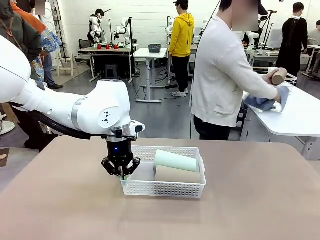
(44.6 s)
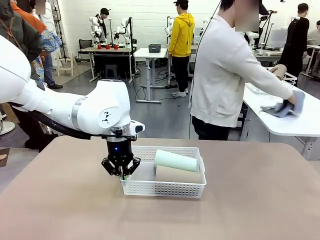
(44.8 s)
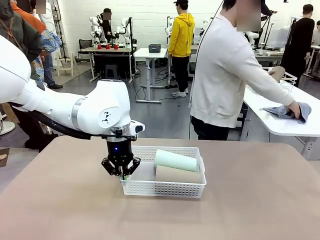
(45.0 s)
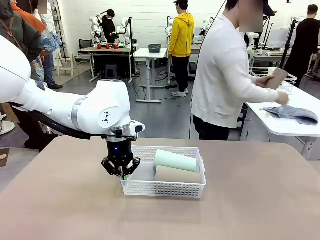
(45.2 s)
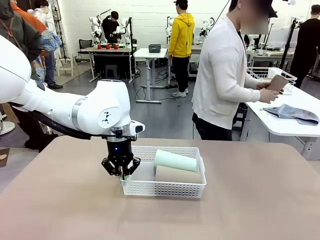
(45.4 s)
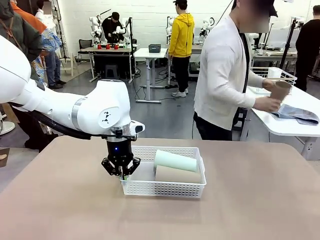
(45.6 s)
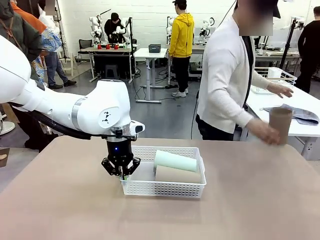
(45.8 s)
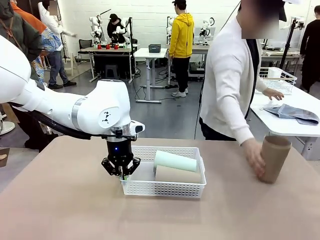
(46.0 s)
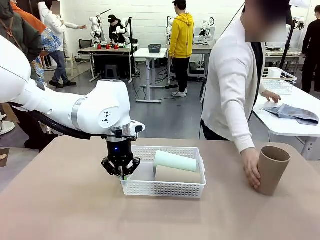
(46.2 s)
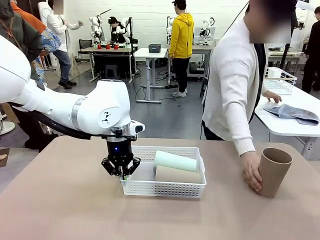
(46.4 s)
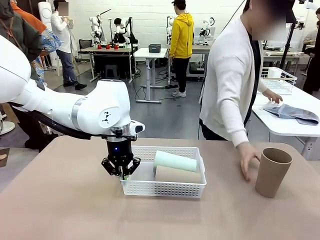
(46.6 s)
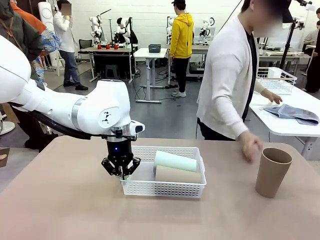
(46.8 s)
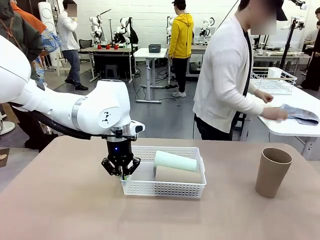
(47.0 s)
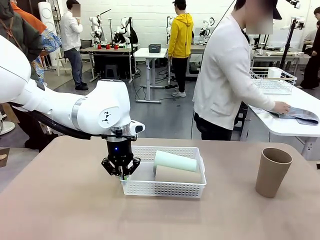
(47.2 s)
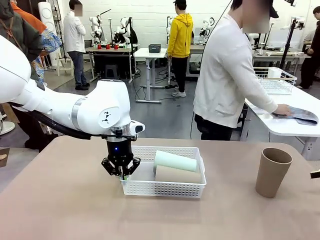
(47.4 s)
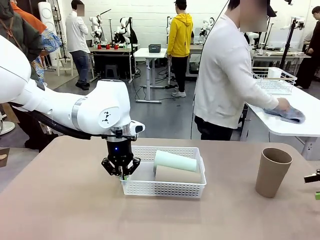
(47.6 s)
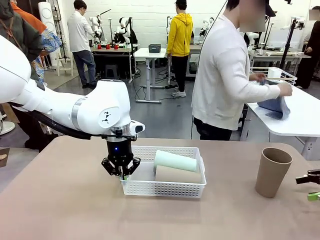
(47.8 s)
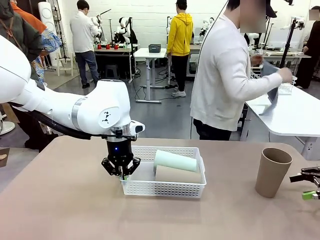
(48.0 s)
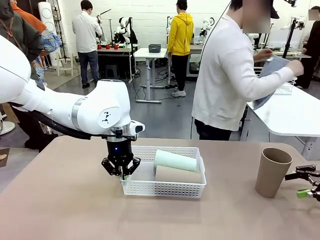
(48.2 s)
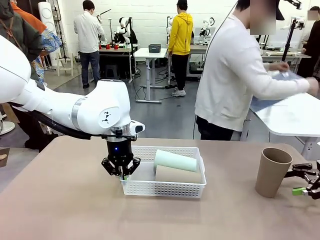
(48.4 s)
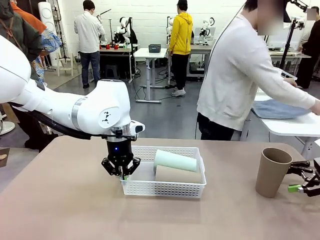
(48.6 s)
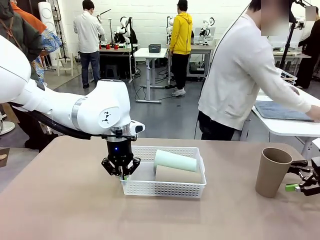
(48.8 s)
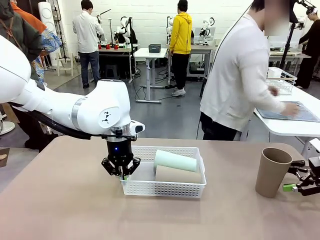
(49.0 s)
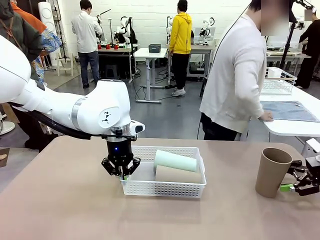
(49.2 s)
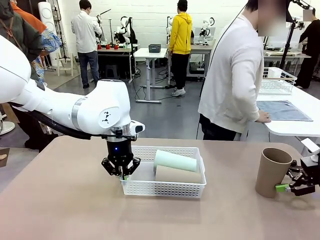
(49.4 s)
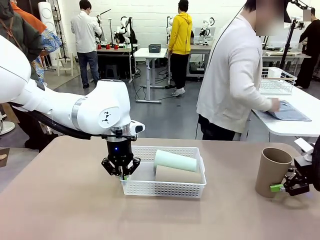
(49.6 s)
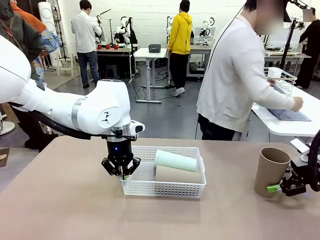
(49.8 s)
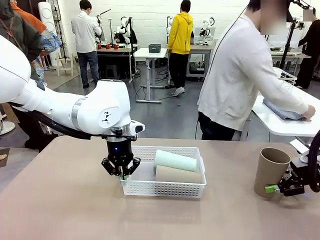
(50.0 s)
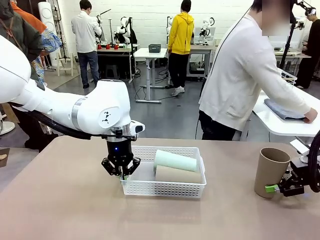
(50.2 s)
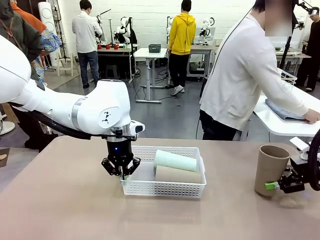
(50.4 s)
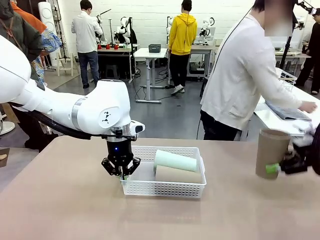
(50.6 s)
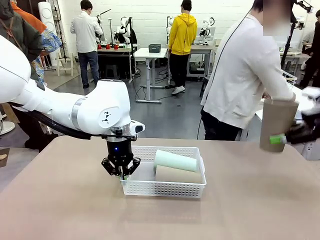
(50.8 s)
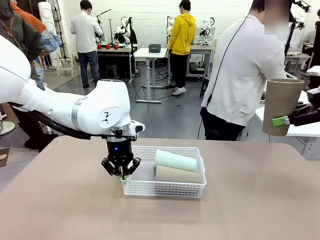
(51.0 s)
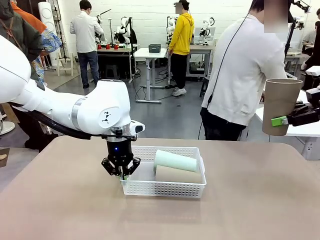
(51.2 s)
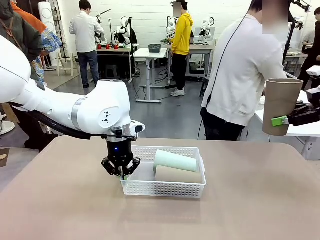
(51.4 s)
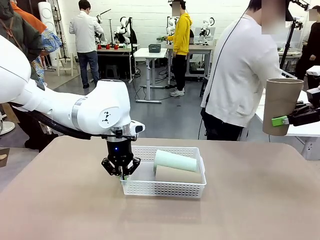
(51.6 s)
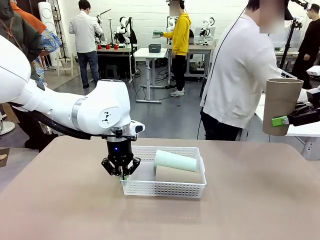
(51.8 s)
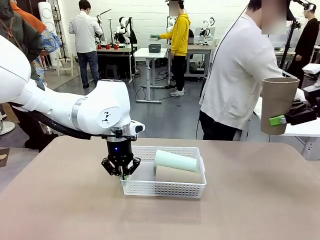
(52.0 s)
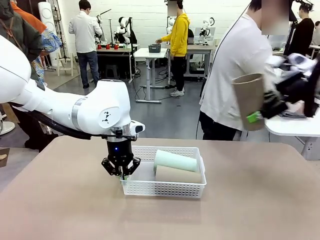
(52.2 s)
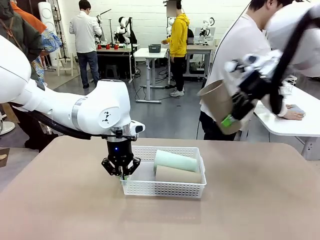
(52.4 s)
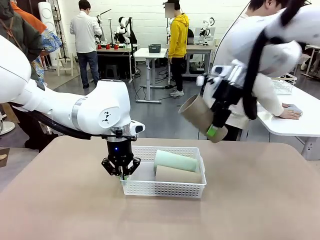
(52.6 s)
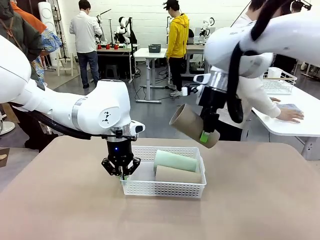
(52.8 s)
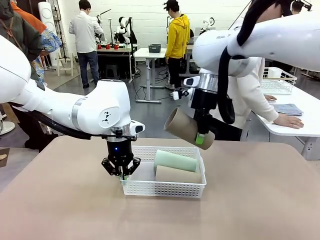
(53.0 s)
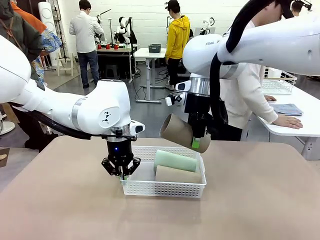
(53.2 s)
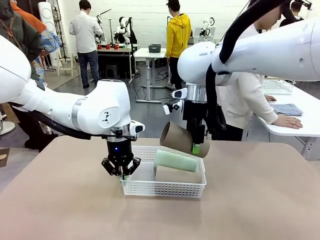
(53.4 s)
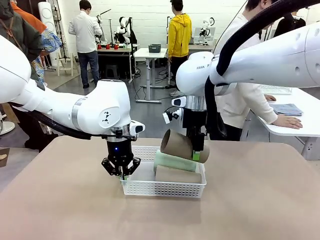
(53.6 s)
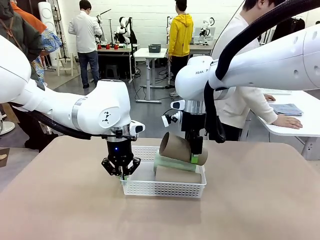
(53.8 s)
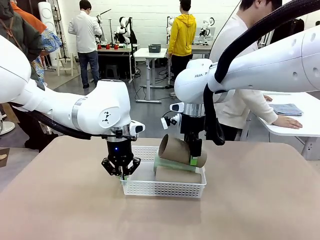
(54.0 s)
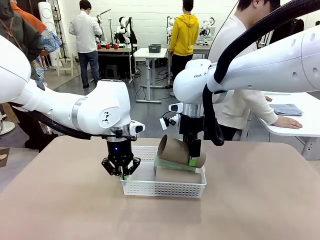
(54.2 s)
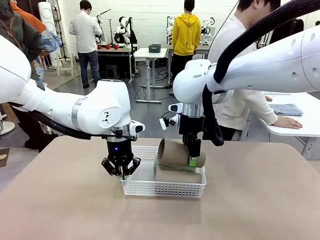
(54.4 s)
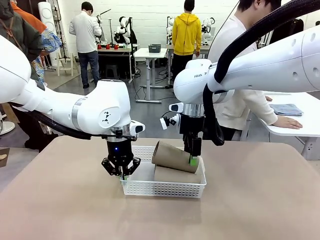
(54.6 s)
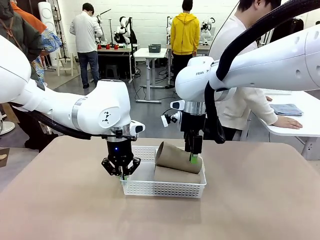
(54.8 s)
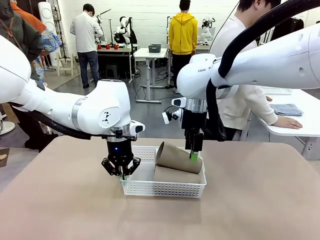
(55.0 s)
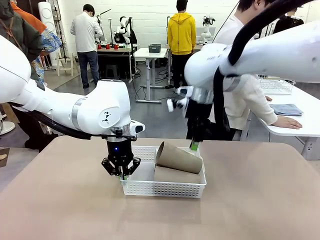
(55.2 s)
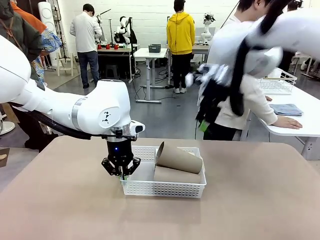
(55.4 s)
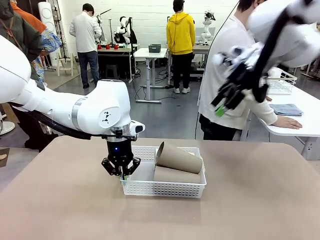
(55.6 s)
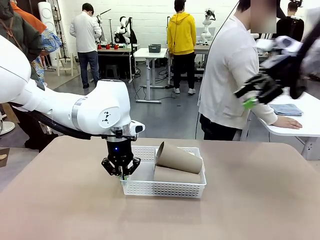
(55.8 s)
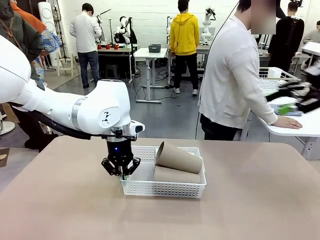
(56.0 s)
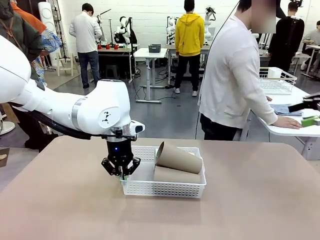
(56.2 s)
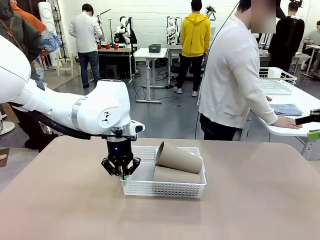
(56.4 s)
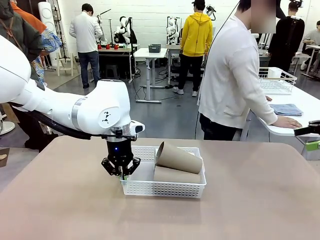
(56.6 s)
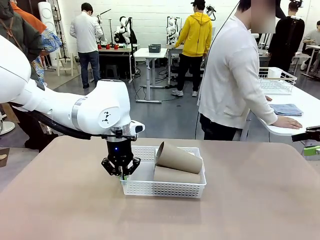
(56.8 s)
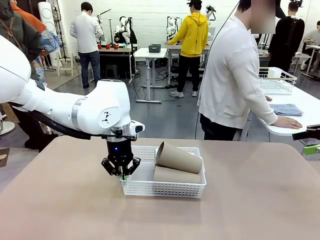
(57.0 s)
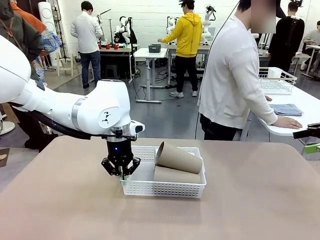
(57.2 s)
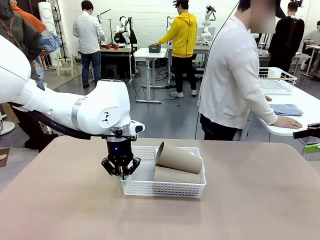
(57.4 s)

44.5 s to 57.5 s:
Task: Clean and organize the cups into the basket.
Robot: Pick up the Reusable plastic cup from the right side of the table and stack it inside the Organizing basket in the center of the table.

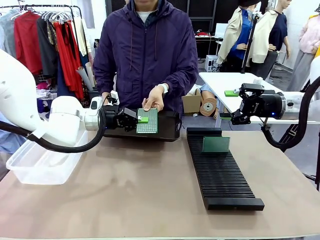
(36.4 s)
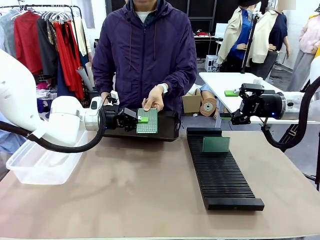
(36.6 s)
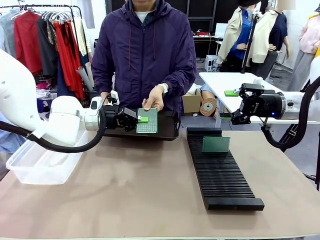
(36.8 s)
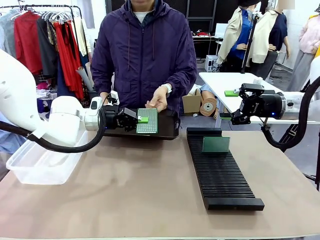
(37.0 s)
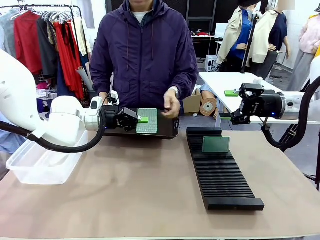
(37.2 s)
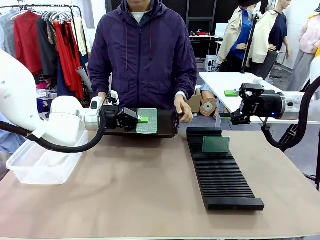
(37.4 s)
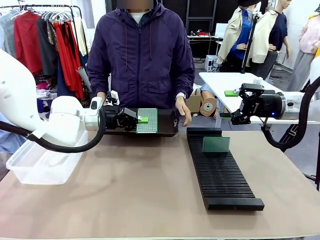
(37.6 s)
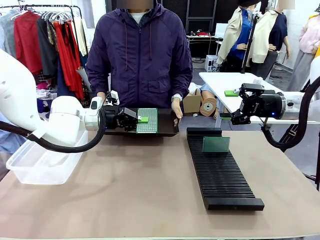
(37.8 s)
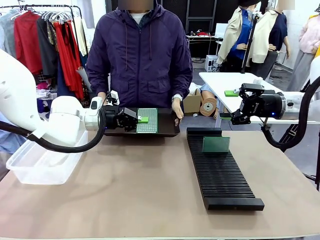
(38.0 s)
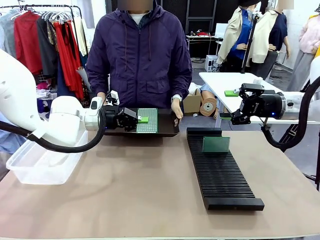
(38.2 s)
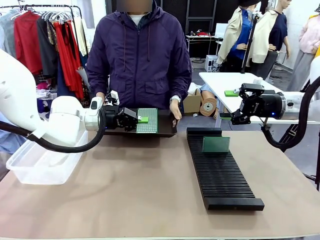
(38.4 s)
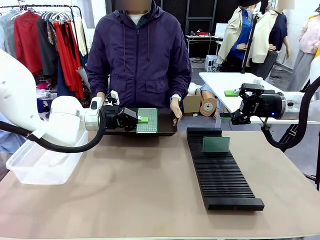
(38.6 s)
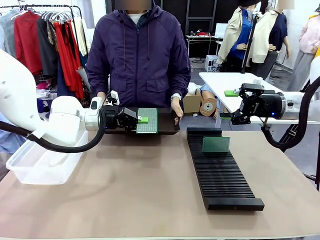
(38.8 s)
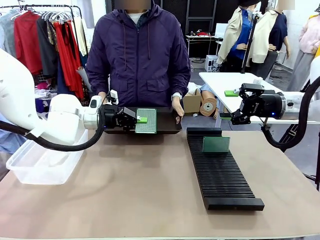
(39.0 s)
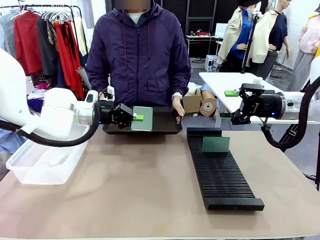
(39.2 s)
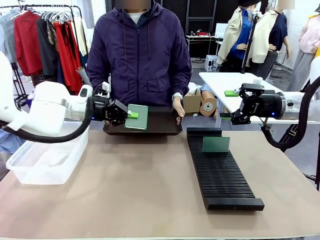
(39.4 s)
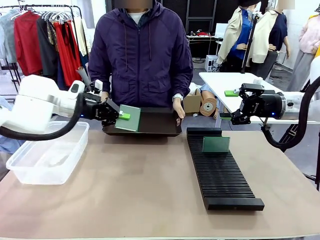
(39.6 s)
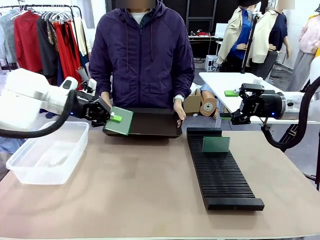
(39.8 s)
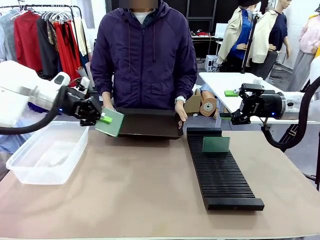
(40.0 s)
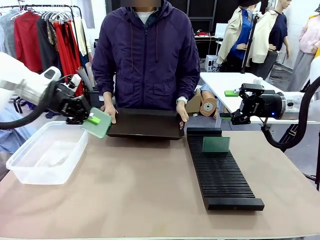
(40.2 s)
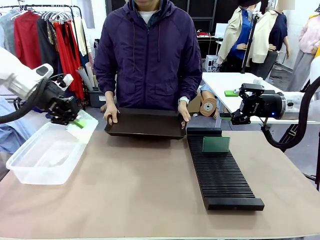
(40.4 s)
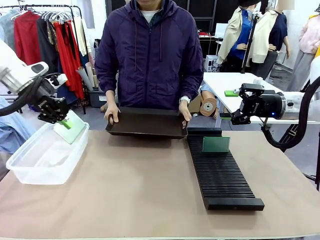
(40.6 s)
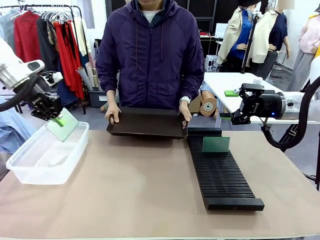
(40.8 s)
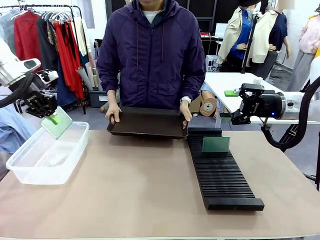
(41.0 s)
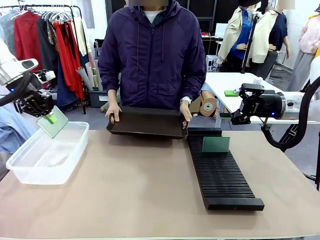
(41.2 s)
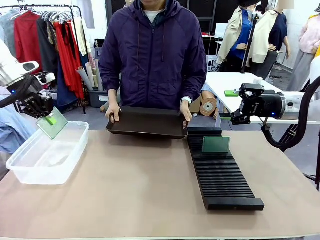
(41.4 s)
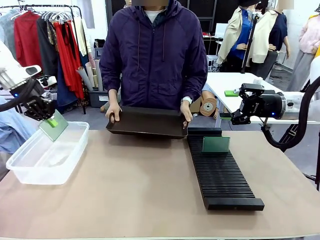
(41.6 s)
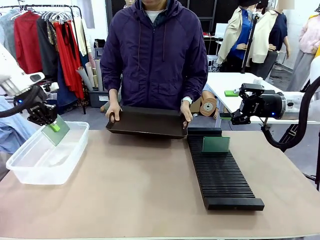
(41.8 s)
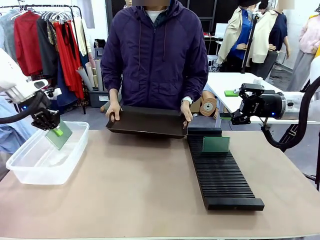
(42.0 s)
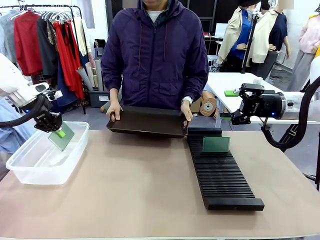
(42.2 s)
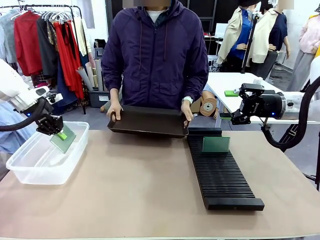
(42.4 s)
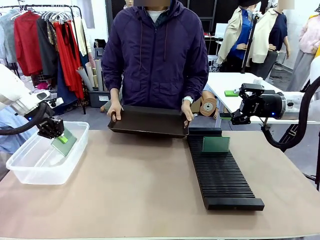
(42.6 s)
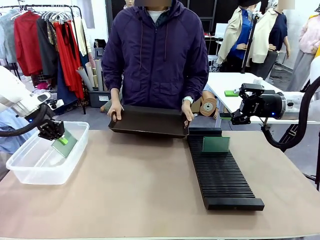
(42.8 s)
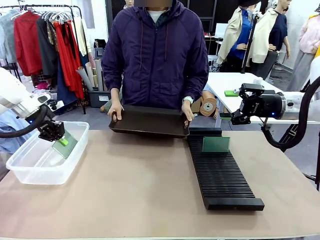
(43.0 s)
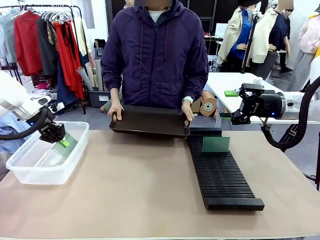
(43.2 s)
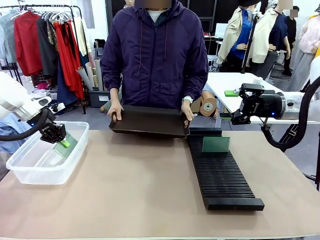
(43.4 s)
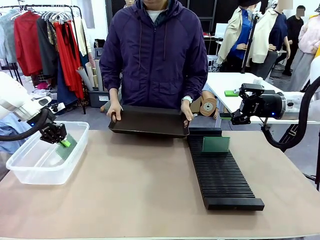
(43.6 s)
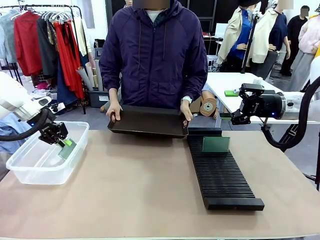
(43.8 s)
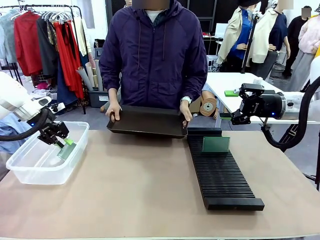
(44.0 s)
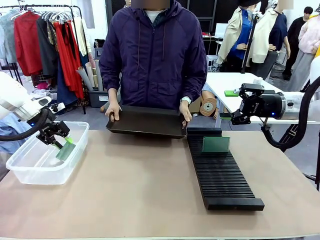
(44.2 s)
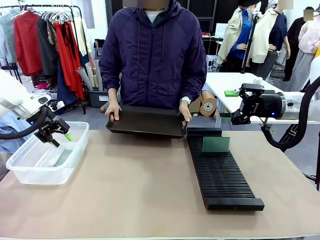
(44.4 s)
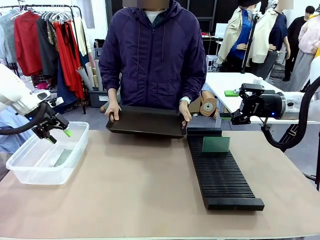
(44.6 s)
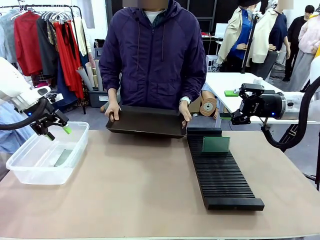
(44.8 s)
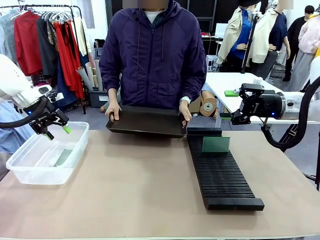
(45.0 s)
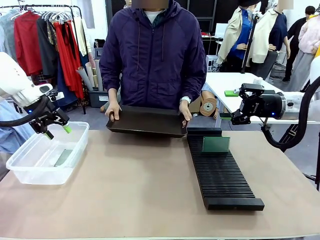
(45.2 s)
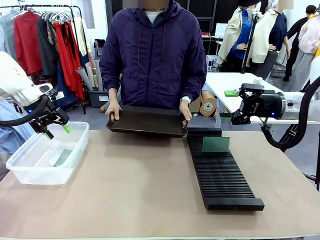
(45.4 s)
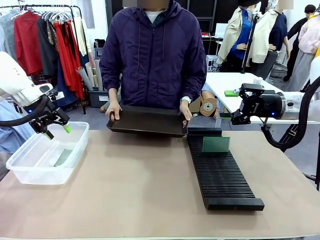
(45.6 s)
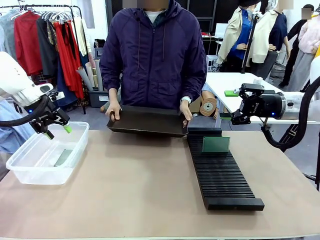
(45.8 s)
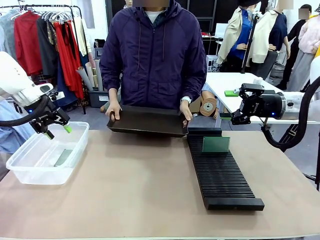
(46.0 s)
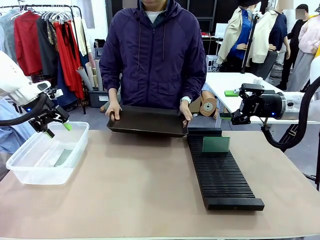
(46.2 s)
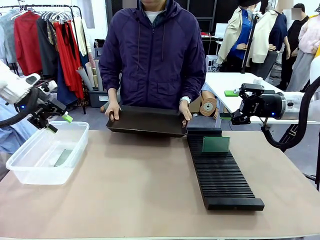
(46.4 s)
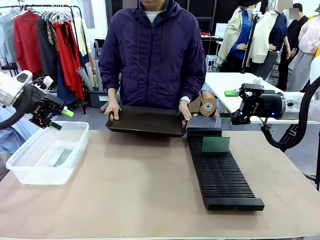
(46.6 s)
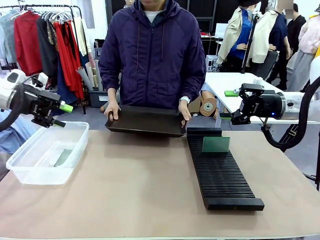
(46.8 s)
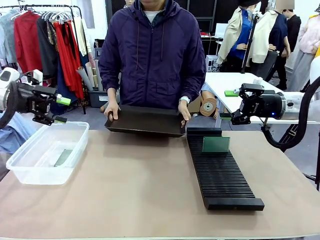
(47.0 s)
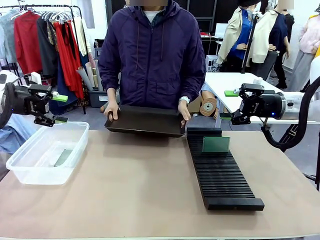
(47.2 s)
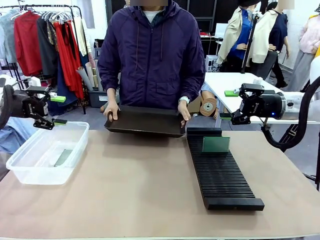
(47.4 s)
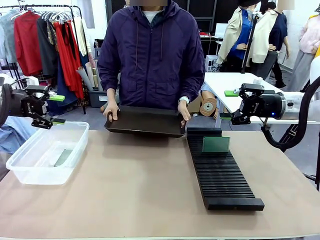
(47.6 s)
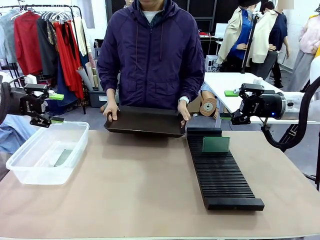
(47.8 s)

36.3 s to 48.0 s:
Task: Sort PCBs into racks and boxes based on the side picked up.
Robot: If the short side of the Blank PCB is picked up, insert it into the PCB Rack ; if the long side is picked up, place it in the Organizing box.
Person: Release the PCB being held.
